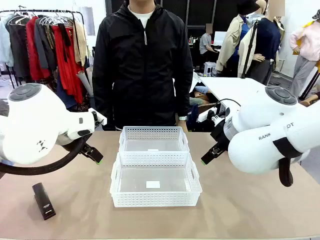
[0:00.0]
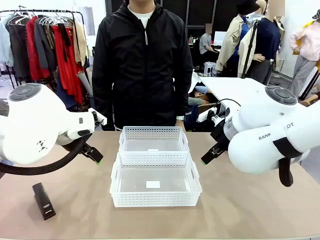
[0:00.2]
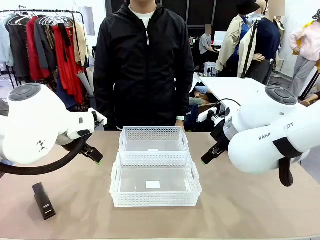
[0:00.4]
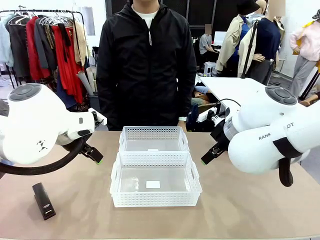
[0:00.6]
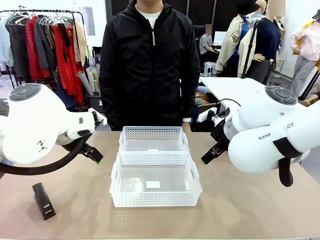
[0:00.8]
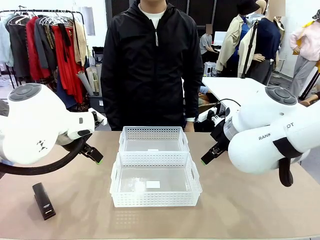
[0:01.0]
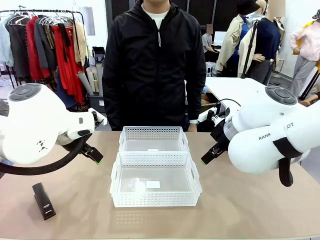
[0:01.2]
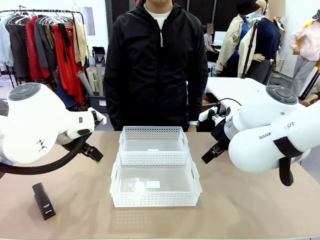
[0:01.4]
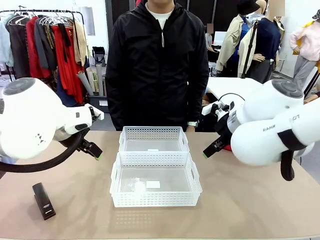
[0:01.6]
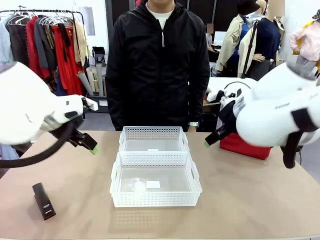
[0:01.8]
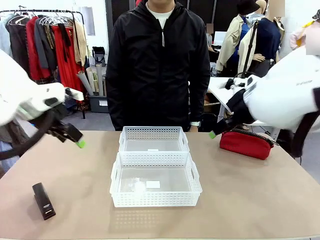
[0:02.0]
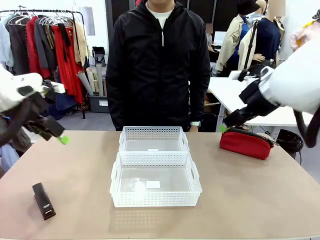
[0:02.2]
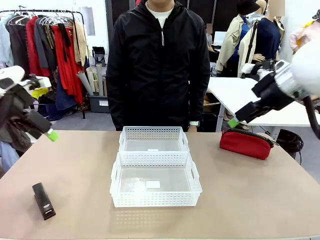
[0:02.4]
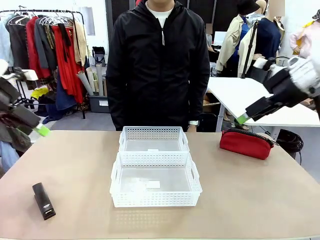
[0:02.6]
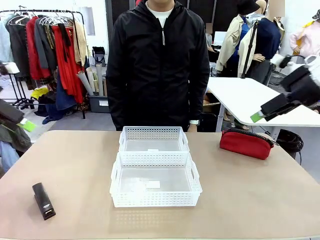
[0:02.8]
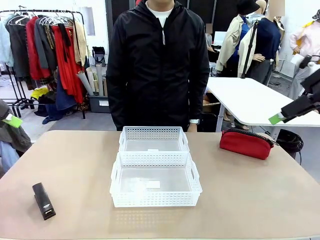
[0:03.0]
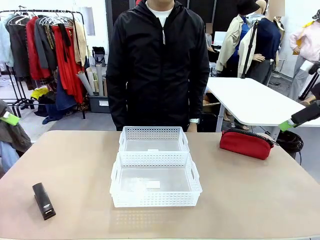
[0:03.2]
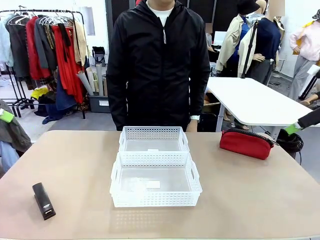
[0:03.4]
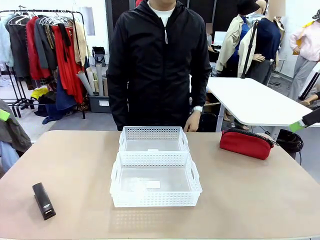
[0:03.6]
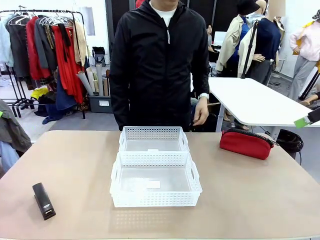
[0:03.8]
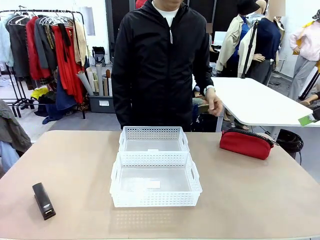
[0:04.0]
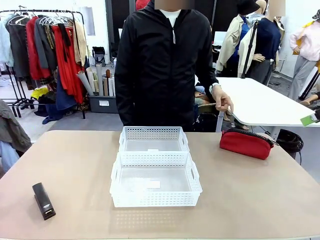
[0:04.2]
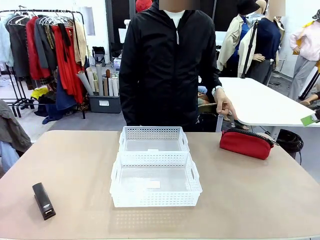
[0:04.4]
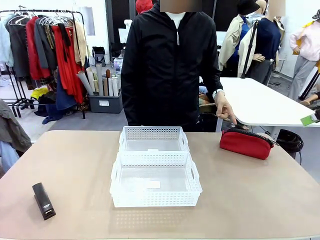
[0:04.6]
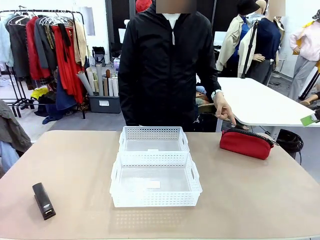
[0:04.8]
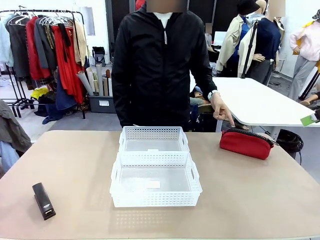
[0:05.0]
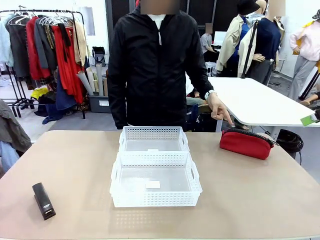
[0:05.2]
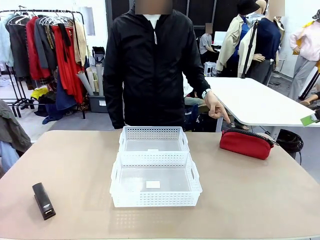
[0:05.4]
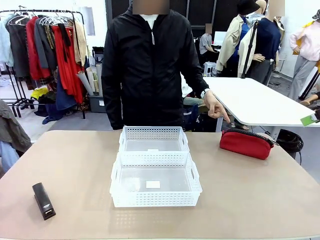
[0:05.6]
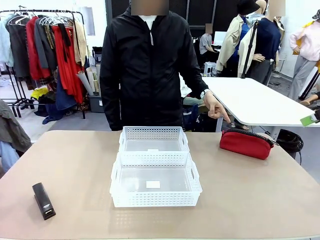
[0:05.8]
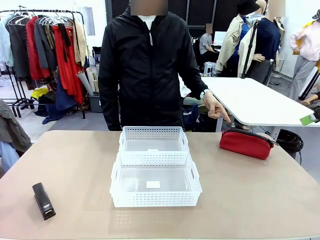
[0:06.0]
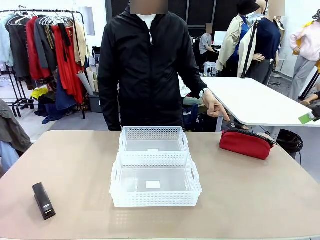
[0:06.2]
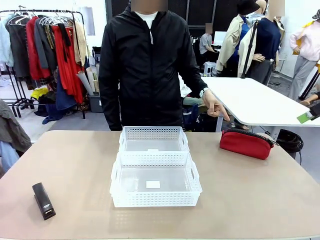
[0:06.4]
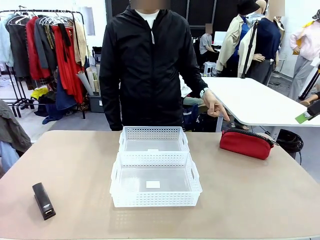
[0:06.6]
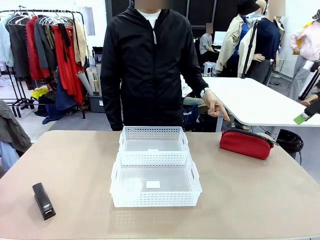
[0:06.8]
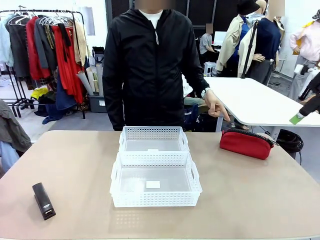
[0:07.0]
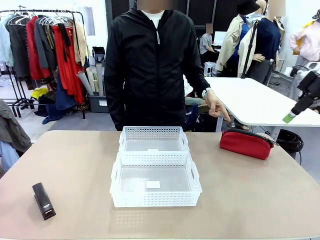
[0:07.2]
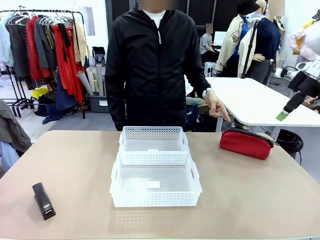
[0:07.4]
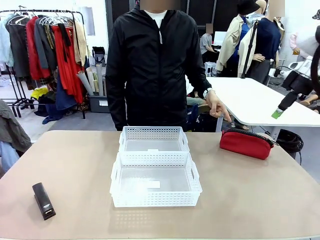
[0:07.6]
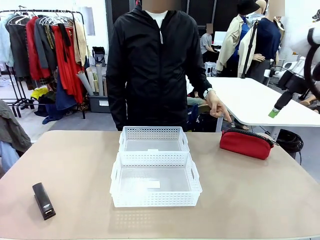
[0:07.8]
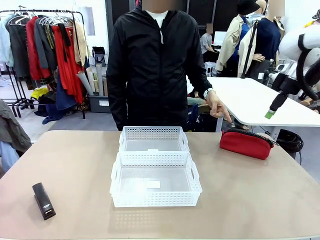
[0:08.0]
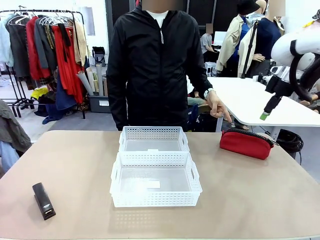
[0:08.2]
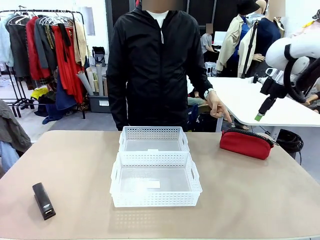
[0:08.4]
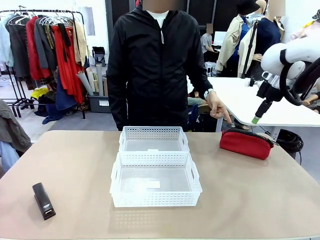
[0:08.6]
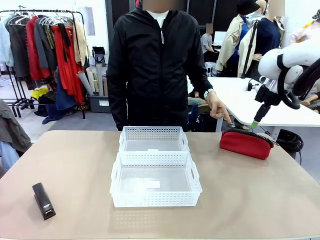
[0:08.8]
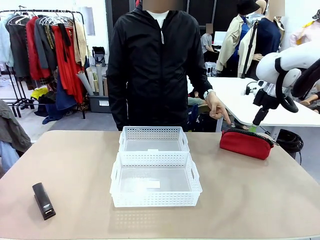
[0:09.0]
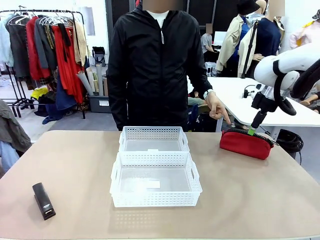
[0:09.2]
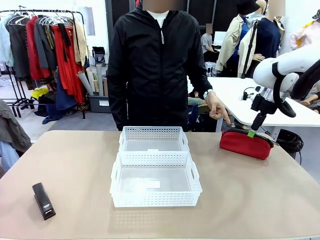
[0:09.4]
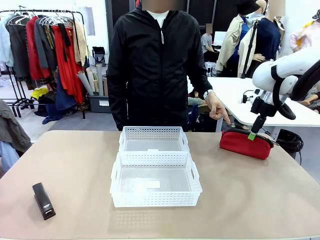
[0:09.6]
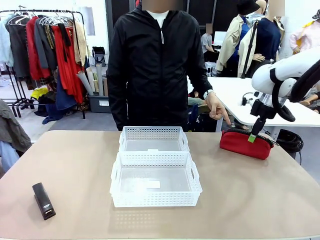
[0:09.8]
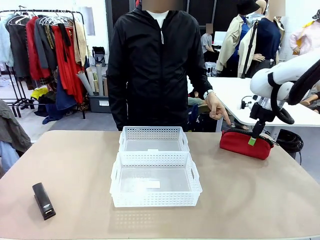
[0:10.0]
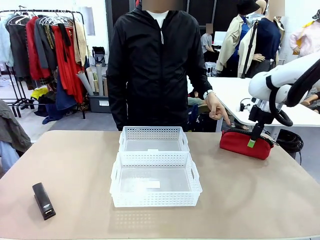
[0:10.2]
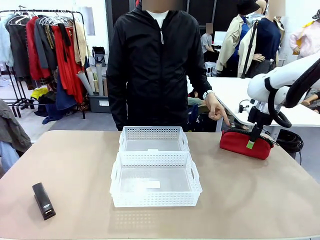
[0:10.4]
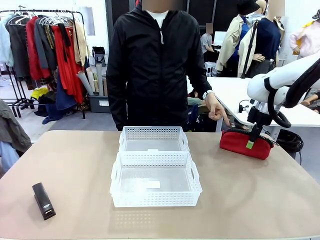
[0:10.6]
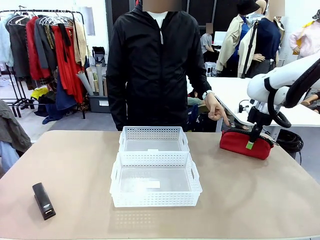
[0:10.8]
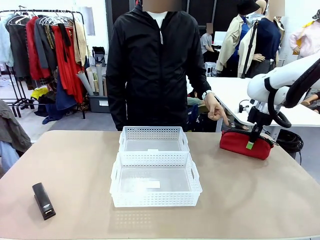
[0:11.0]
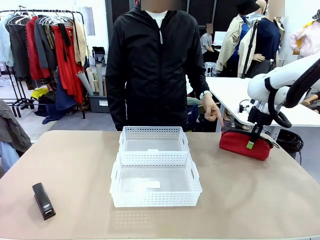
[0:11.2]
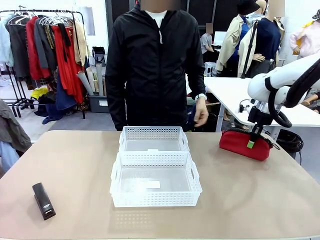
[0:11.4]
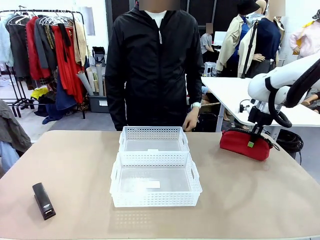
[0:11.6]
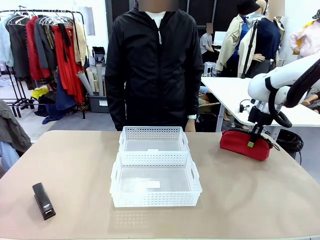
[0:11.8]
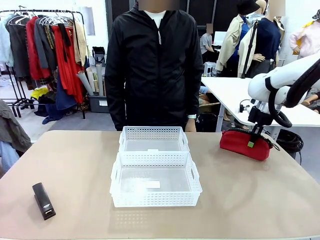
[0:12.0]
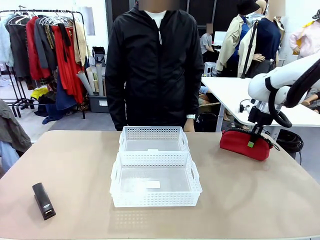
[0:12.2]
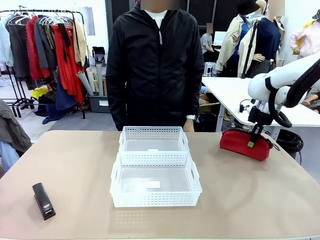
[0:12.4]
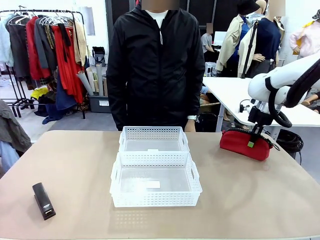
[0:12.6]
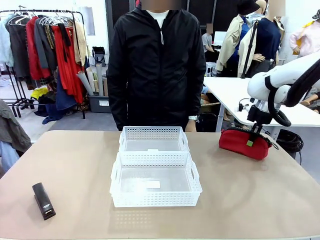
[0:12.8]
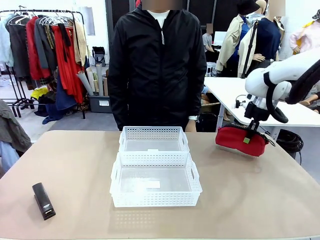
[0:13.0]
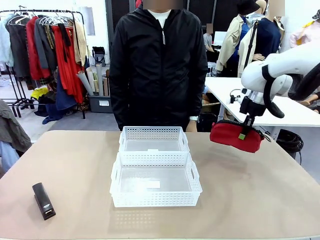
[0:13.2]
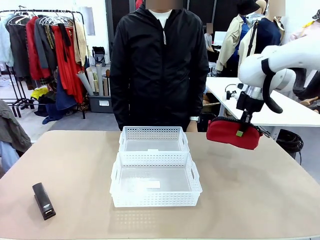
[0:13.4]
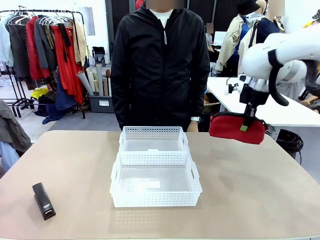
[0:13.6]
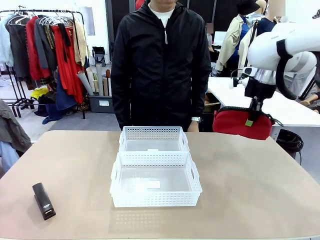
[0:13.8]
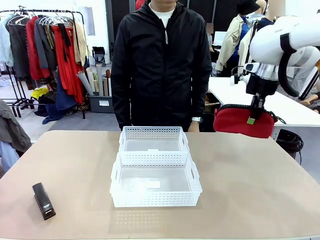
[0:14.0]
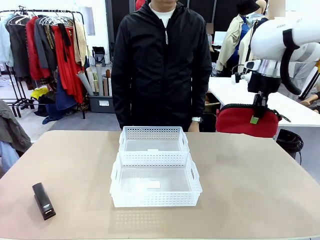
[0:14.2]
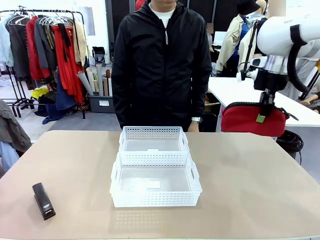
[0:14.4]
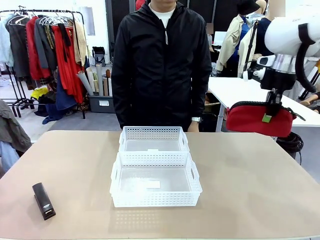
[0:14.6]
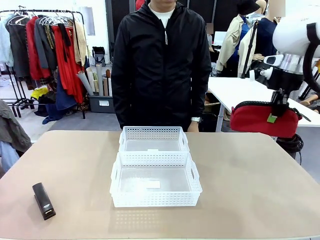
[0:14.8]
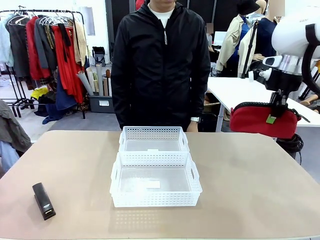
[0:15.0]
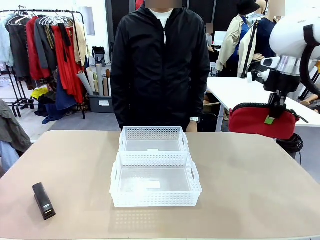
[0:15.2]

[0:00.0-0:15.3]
Task: Distribute items into two baskets.
Robot: Pick up the Pencil pouch that the person points to.
Person: Points to the pencil case. Points between the two organizing baskets and instructs the robot to move the pencil case.

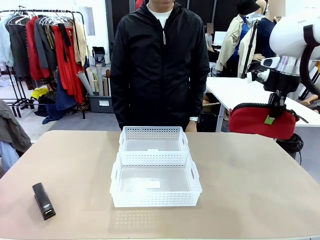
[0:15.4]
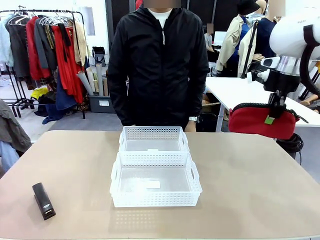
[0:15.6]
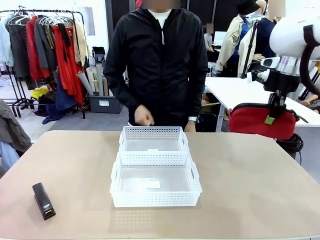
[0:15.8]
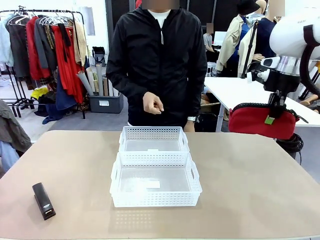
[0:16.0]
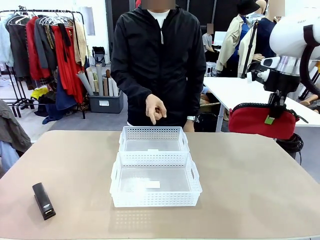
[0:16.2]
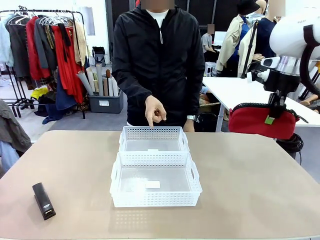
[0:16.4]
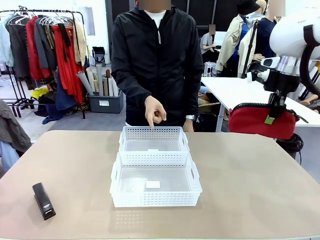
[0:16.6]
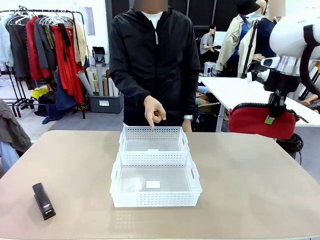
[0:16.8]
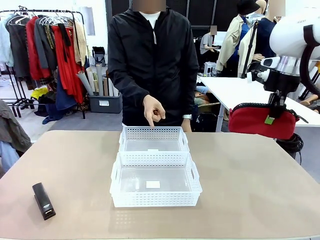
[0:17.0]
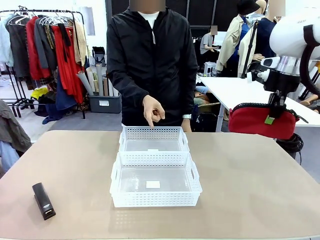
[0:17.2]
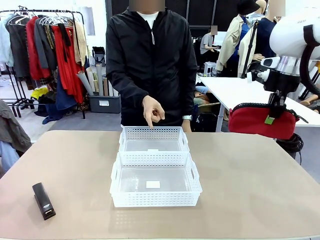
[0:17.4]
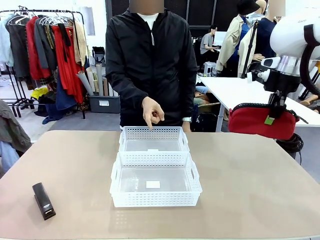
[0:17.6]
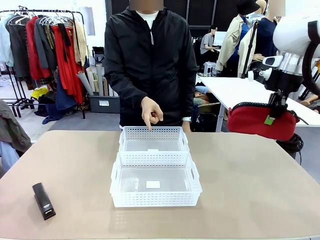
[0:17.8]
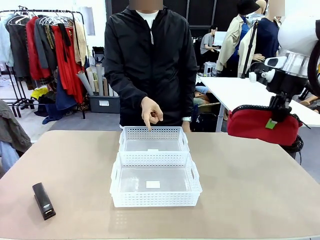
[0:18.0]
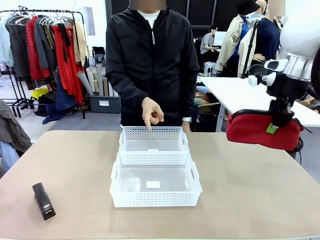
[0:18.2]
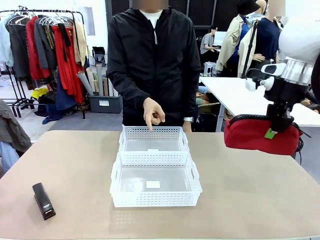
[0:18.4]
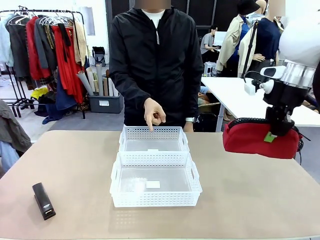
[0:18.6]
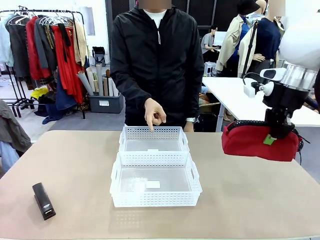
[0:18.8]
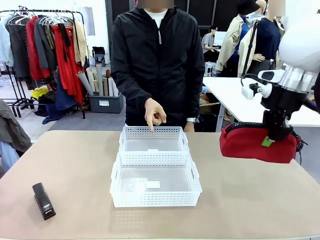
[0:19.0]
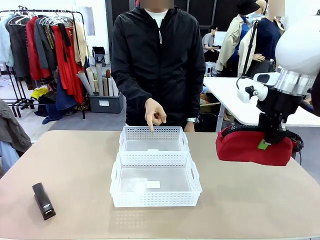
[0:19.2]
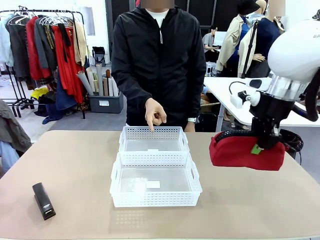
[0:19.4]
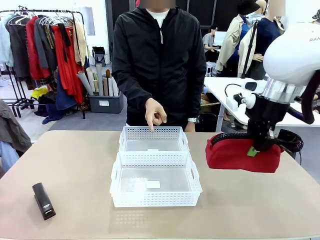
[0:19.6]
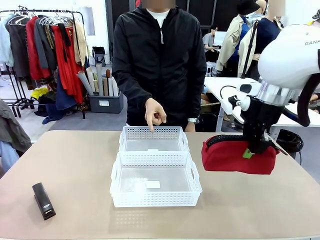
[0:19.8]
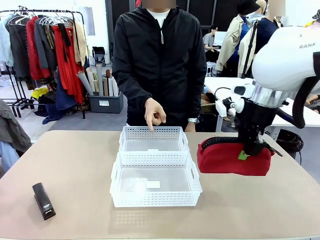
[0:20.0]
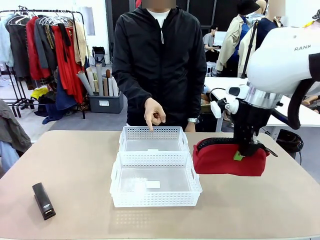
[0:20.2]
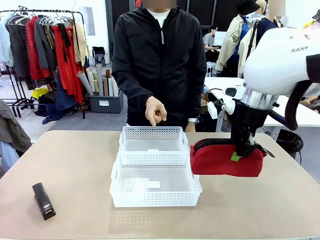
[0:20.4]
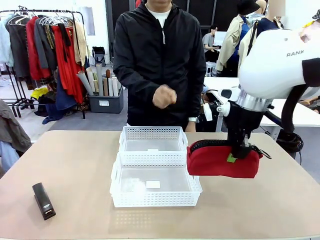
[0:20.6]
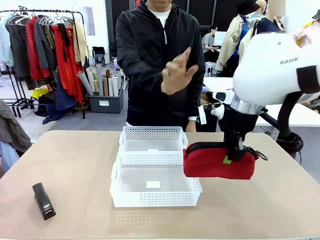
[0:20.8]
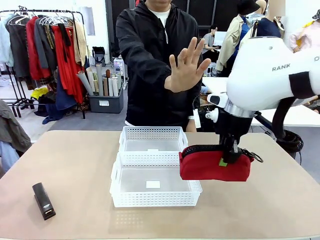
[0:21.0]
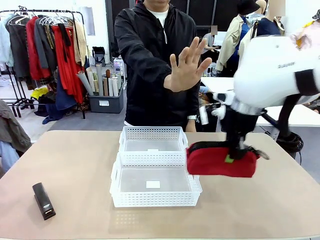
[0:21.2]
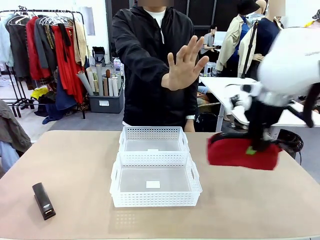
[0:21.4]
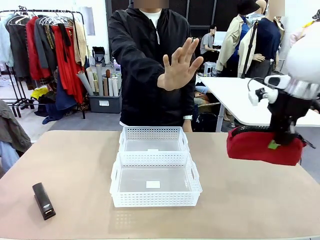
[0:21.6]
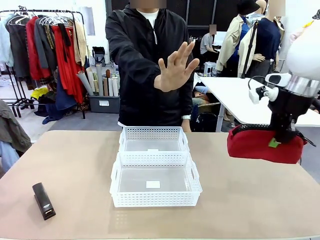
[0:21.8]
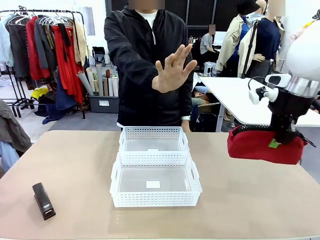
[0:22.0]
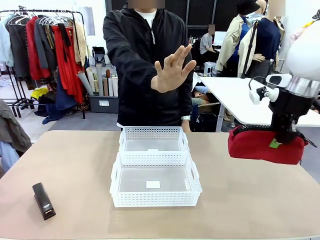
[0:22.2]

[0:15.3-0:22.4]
Robot: Move the picked Pencil pouch towards the Organizing basket indicated by the person, stopping as directed.
Person: Sends a stop gesture before the robot places the pencil case into the basket.
